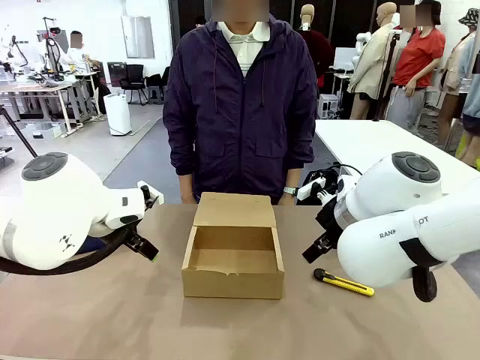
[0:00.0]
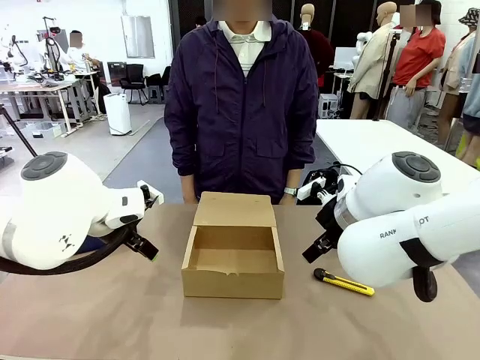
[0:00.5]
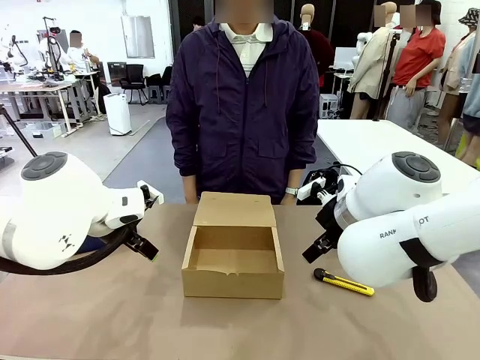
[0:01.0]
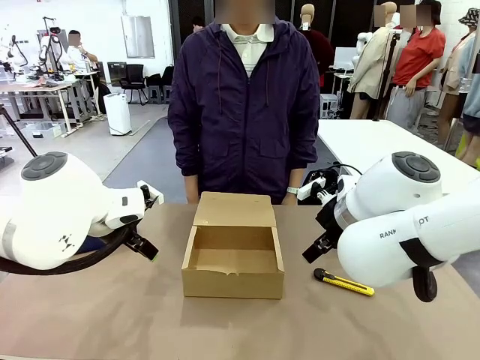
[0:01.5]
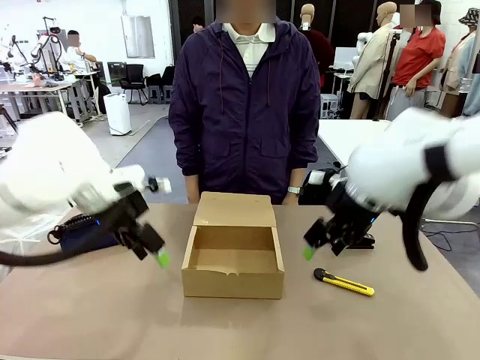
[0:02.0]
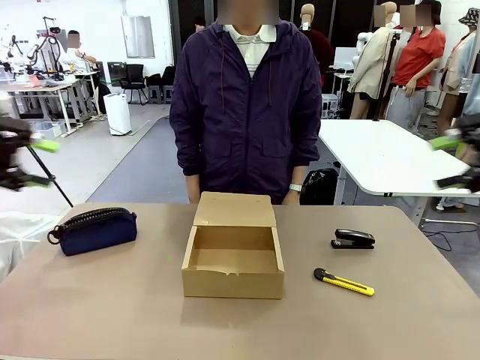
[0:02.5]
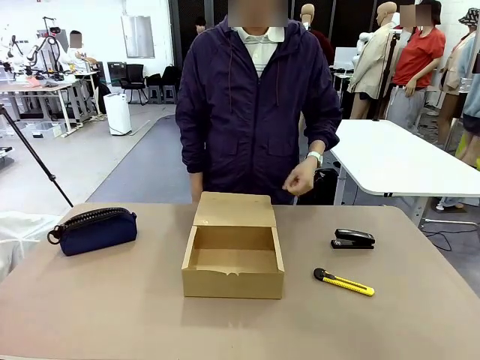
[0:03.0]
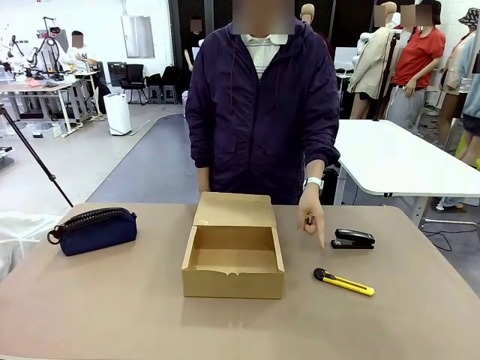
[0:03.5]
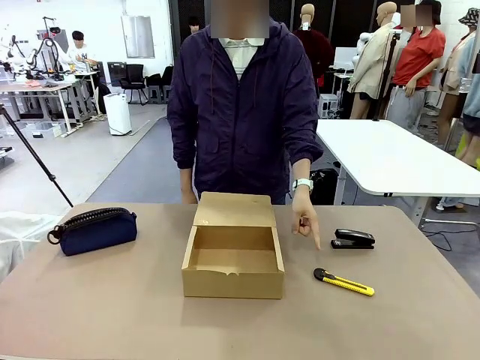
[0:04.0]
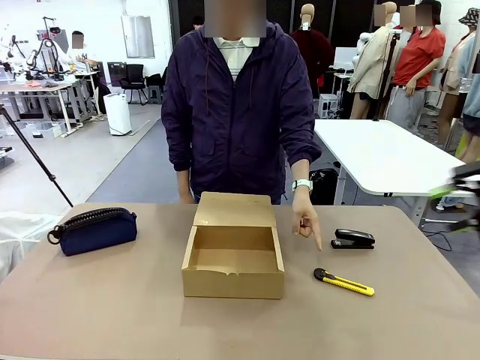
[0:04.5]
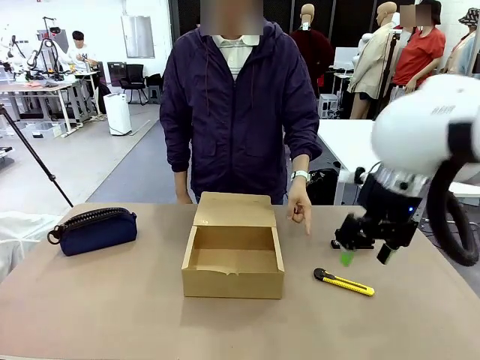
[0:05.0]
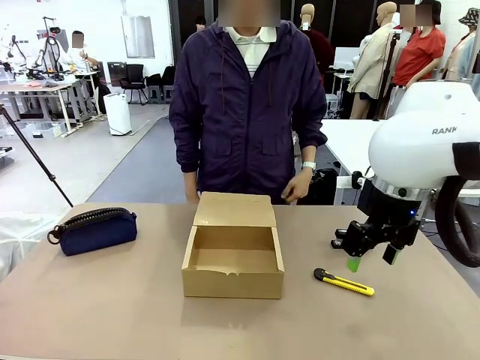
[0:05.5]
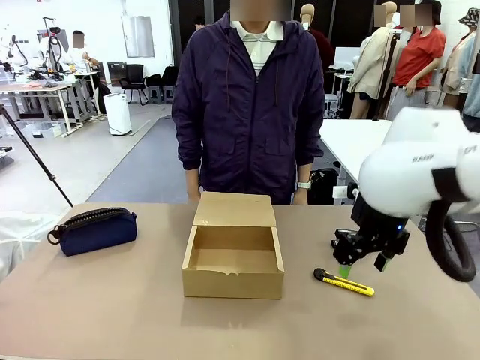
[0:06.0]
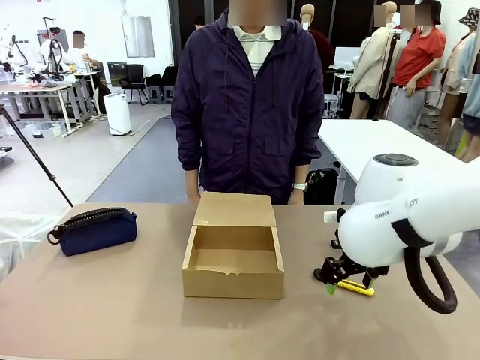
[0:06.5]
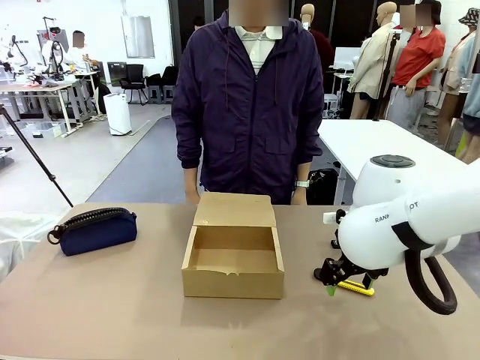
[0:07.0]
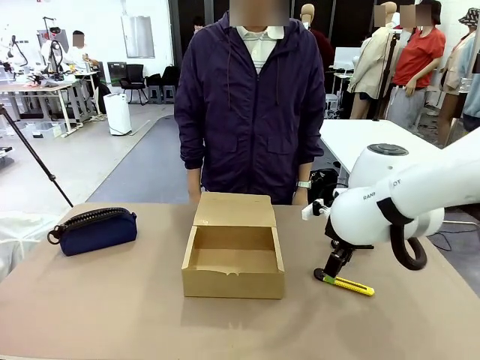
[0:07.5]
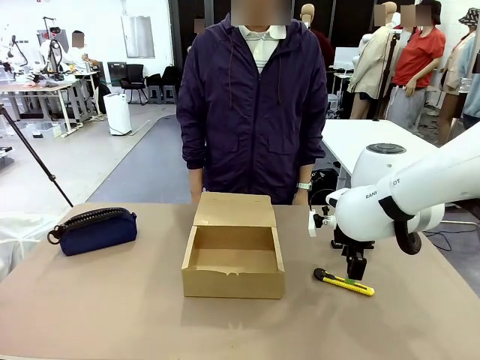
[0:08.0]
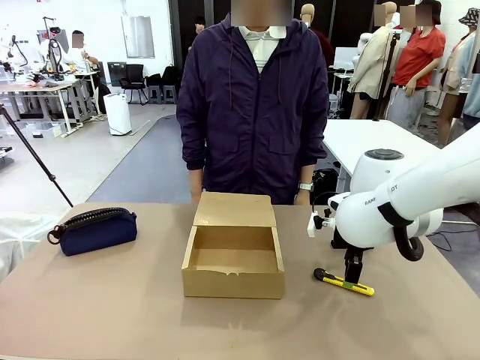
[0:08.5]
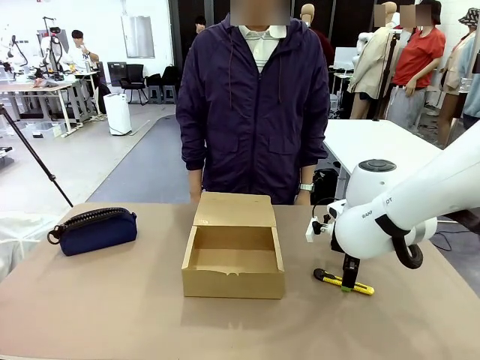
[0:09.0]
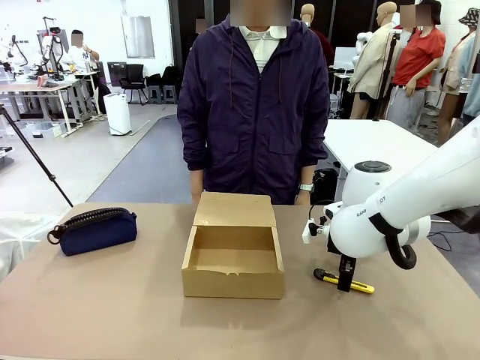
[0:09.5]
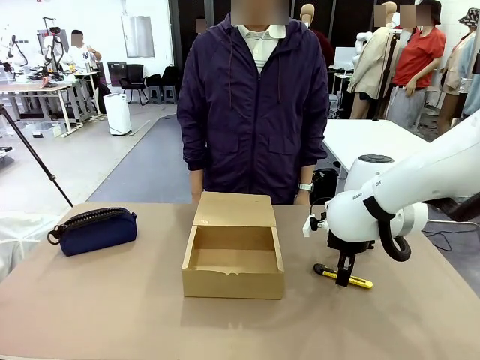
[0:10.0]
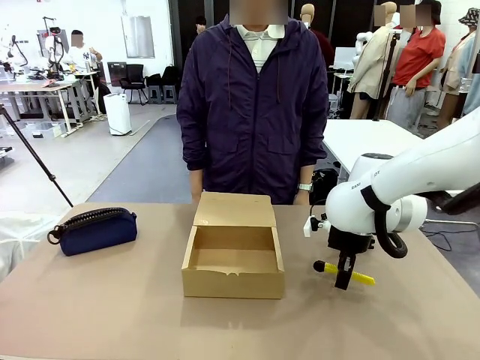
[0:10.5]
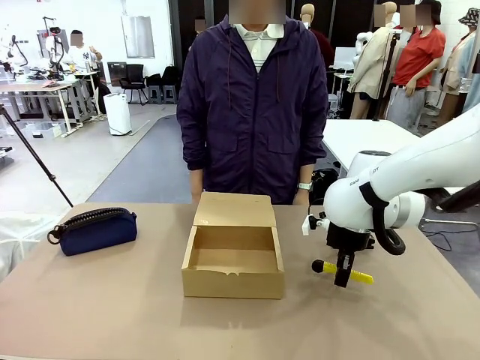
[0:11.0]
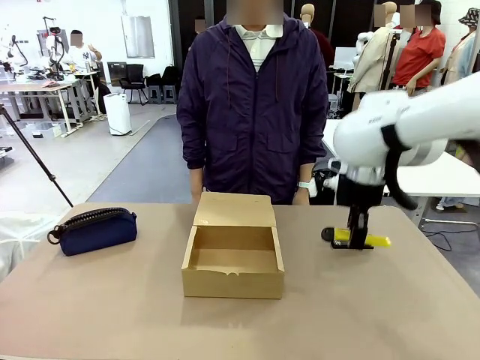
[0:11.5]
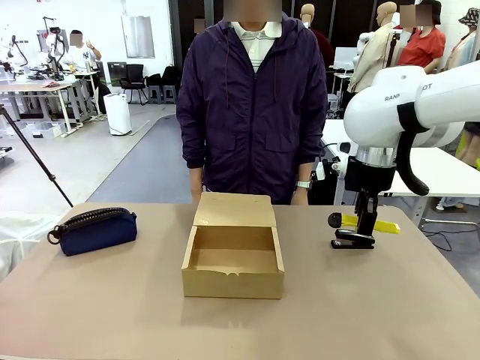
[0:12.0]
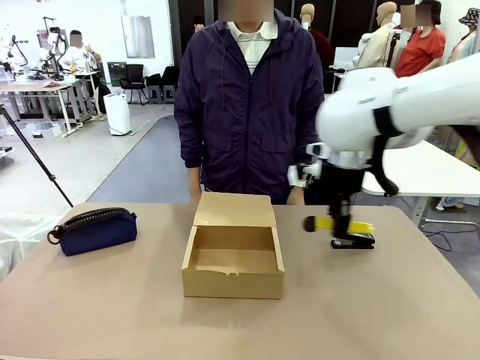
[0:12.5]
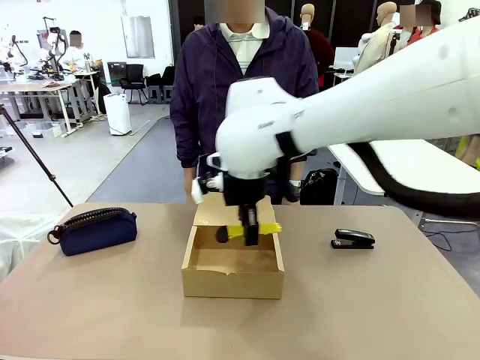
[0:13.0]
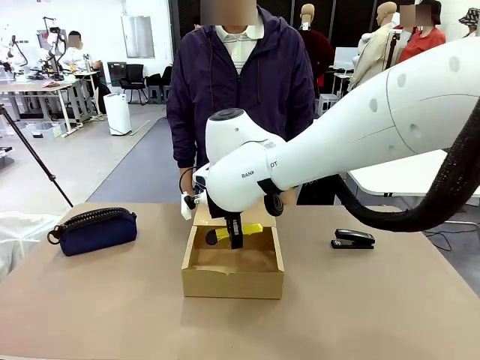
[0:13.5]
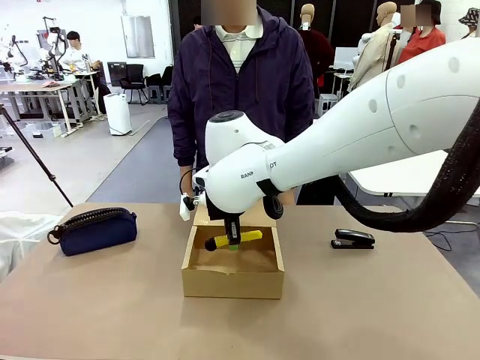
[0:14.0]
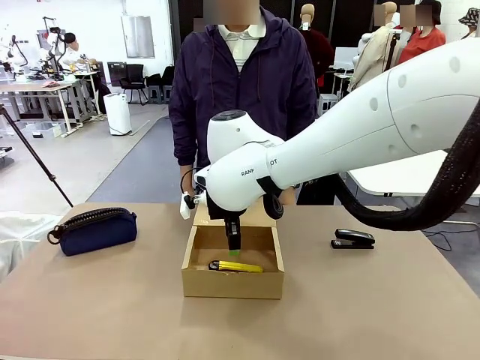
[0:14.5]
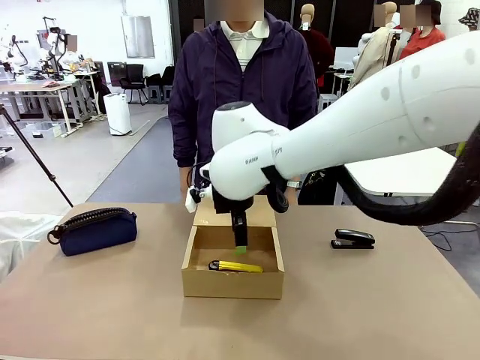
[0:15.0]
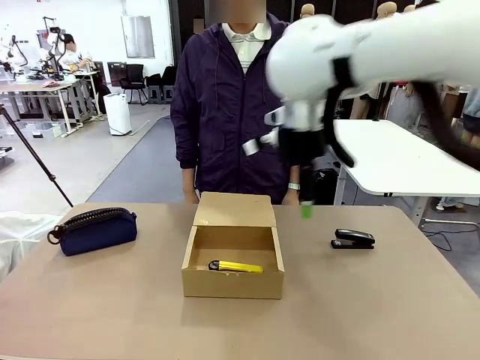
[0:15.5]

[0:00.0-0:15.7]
Task: Pack the items into the box.
Robot: Pick up the item specified by the human and place it in the Mailer Box.
Person: Point at one item on the table (excluding the box).
